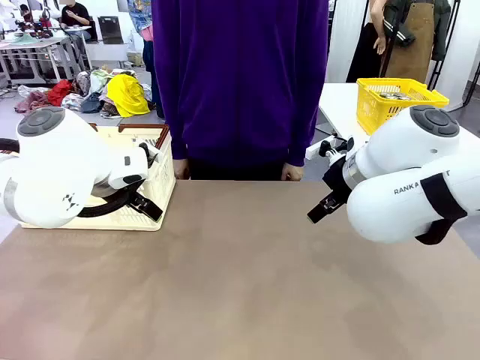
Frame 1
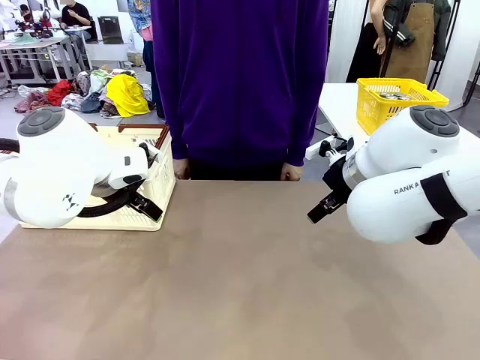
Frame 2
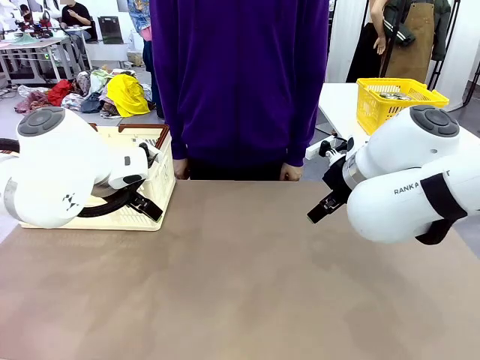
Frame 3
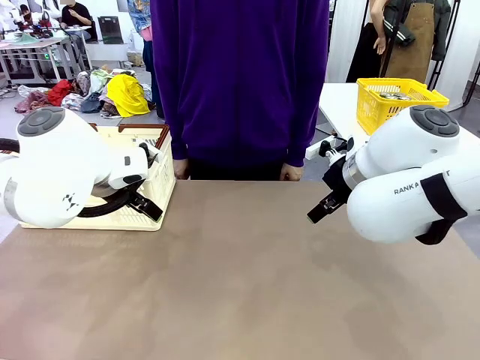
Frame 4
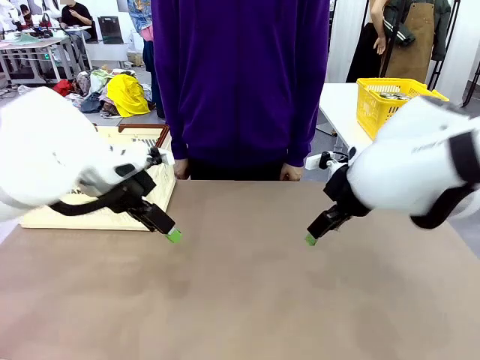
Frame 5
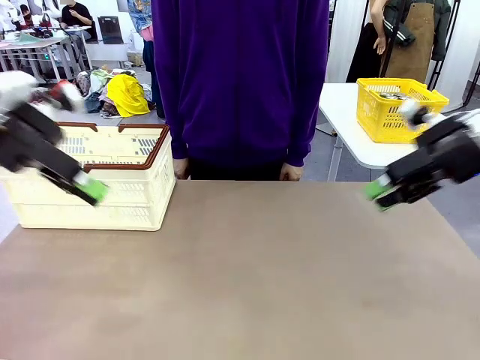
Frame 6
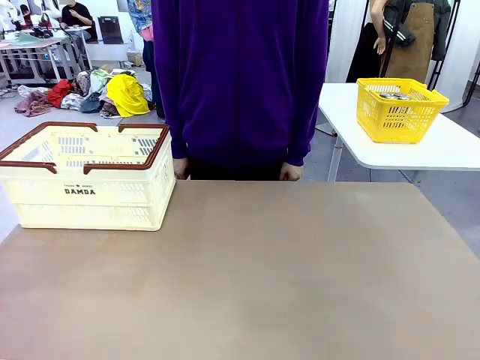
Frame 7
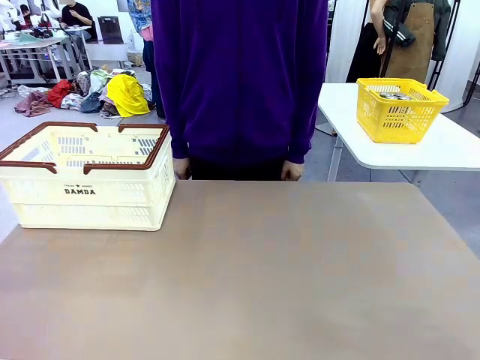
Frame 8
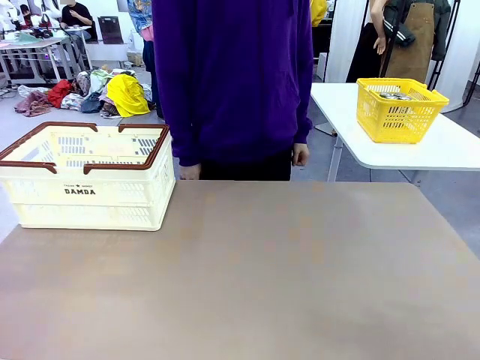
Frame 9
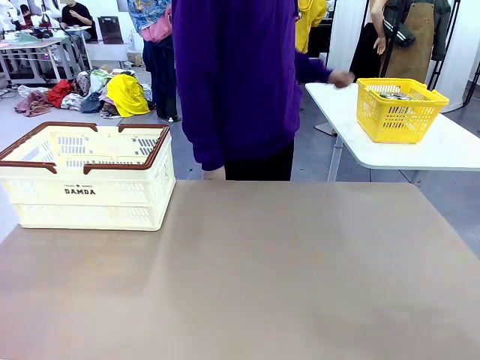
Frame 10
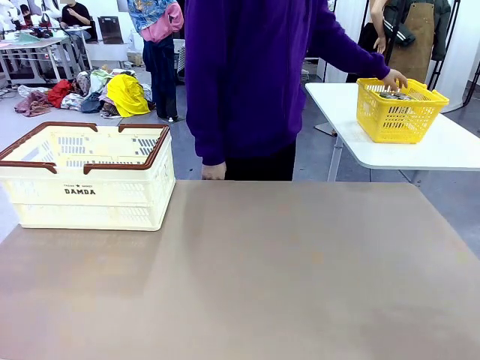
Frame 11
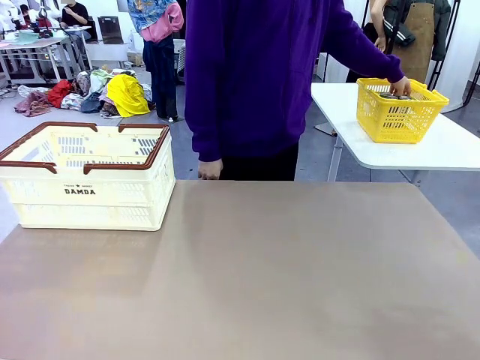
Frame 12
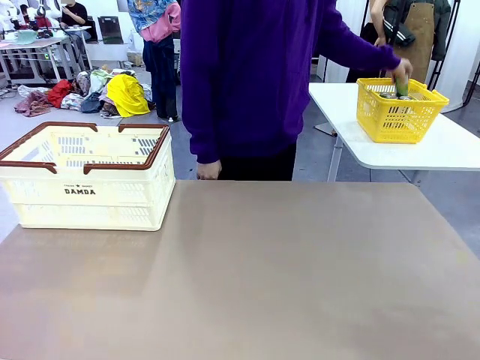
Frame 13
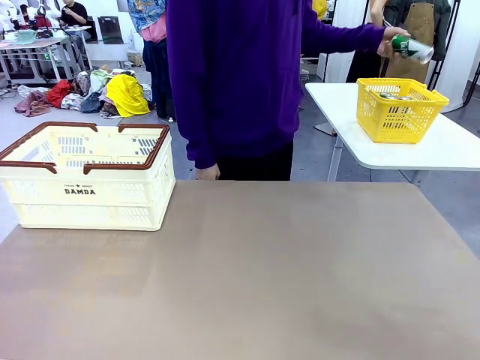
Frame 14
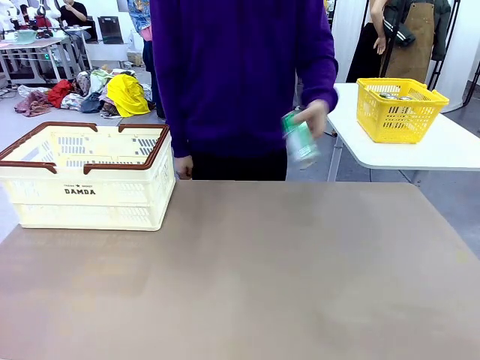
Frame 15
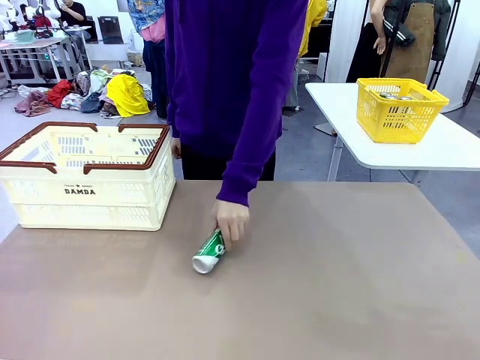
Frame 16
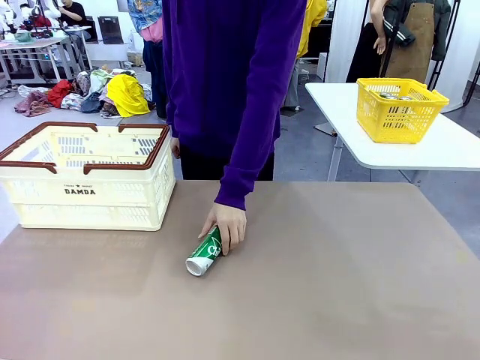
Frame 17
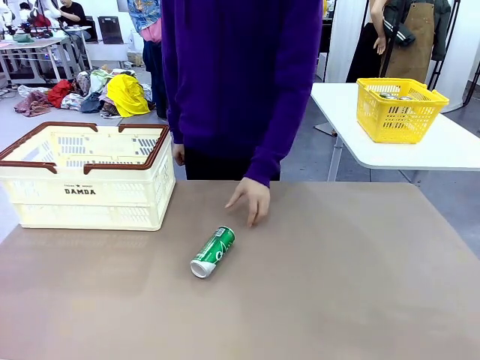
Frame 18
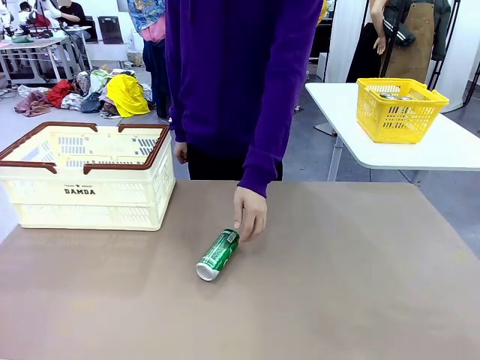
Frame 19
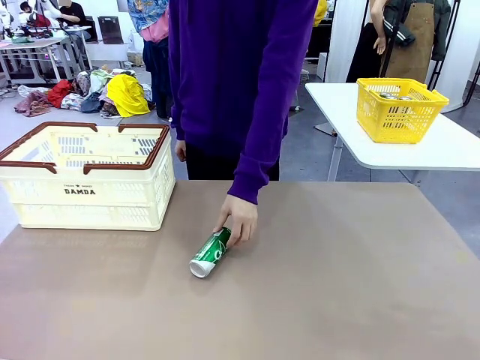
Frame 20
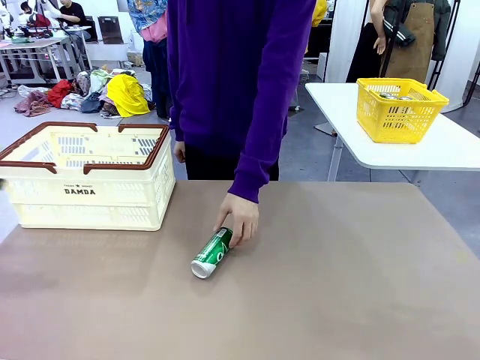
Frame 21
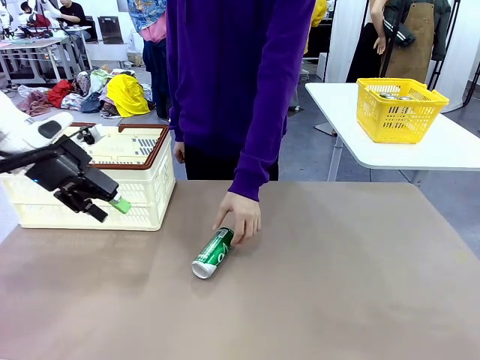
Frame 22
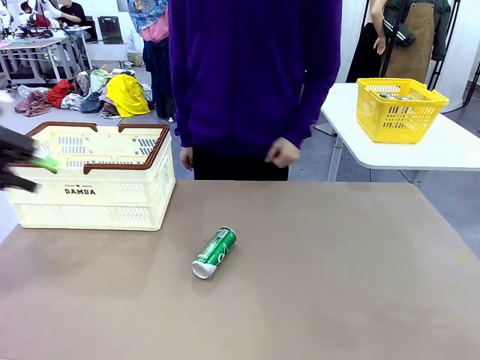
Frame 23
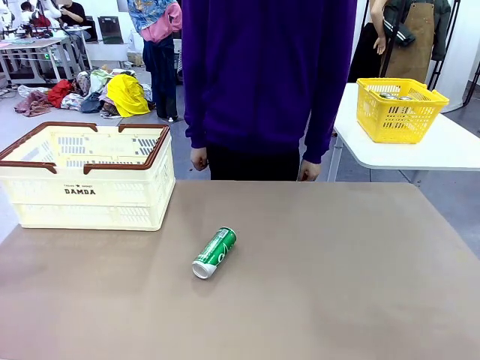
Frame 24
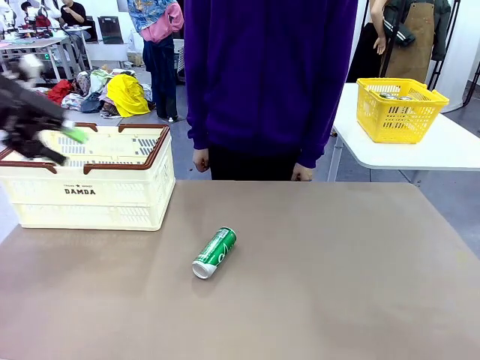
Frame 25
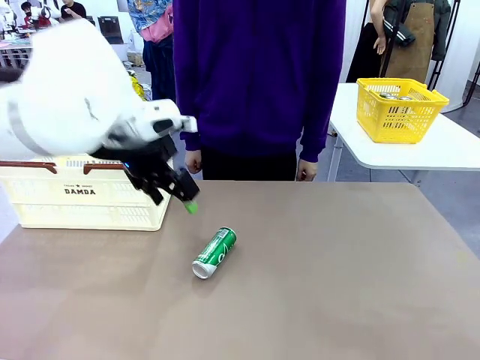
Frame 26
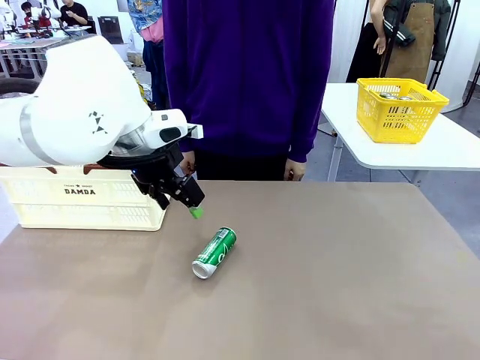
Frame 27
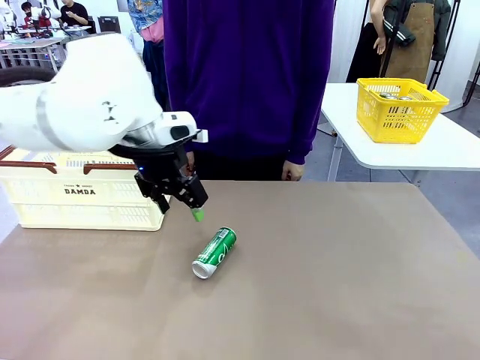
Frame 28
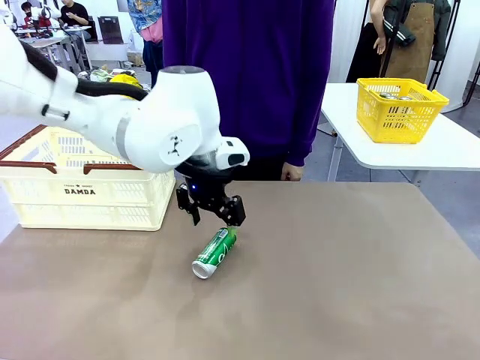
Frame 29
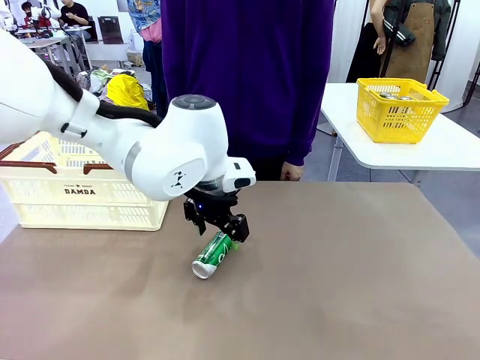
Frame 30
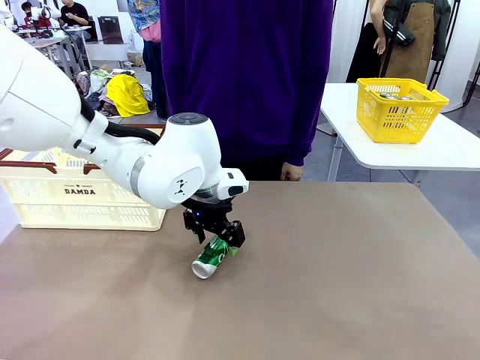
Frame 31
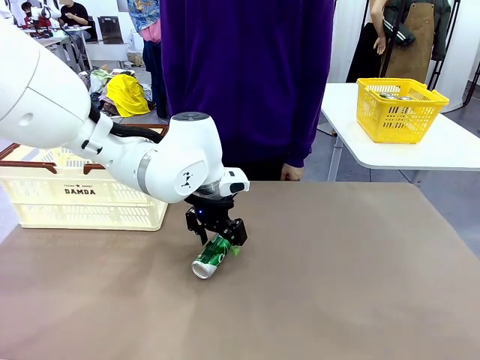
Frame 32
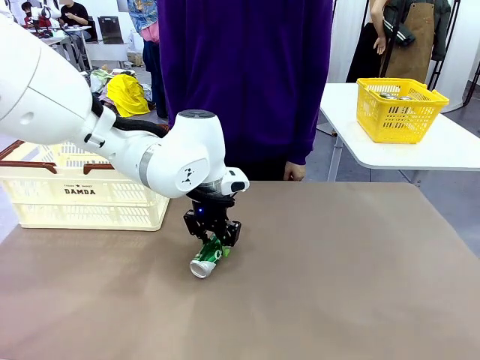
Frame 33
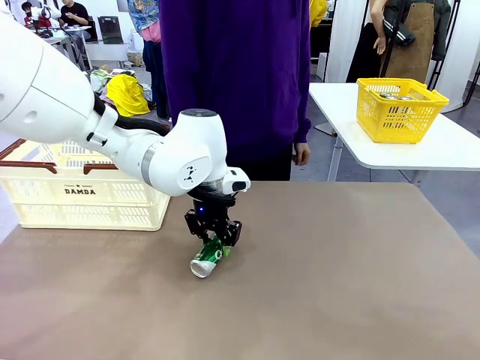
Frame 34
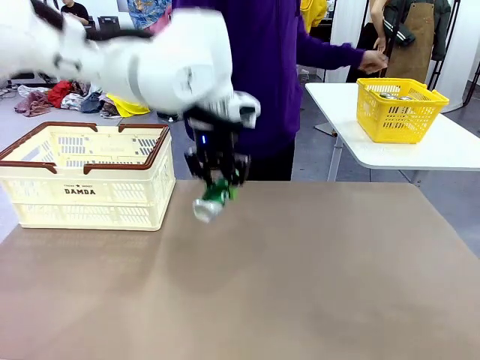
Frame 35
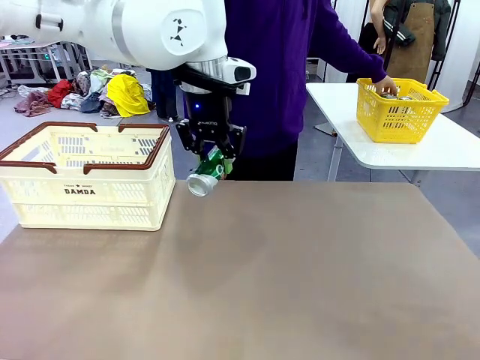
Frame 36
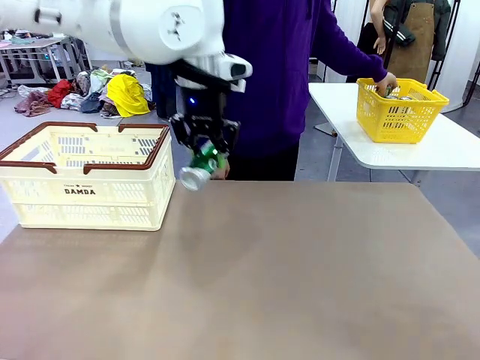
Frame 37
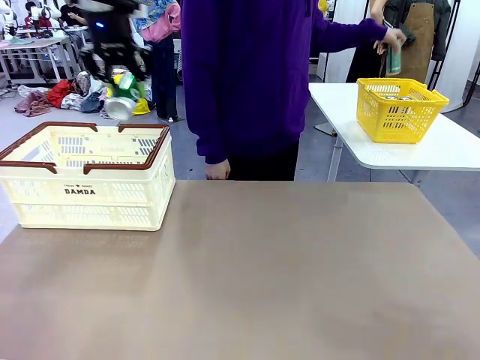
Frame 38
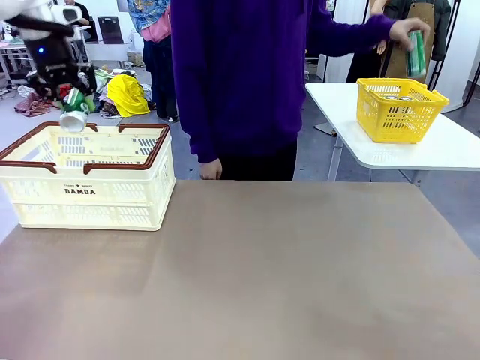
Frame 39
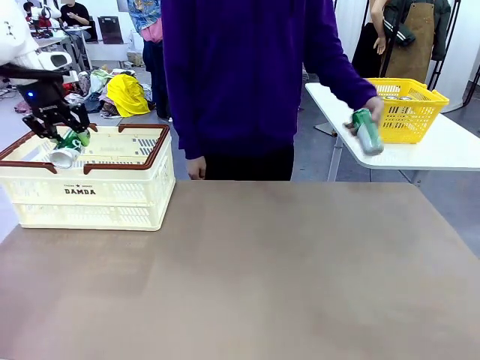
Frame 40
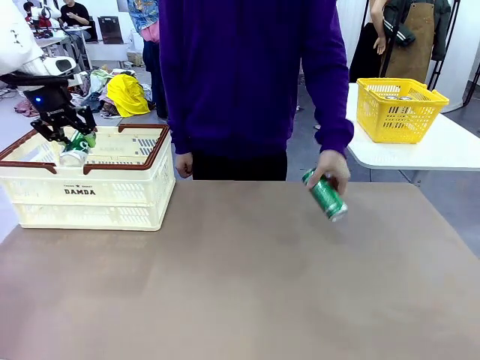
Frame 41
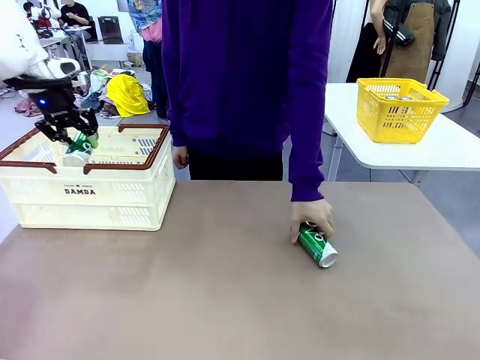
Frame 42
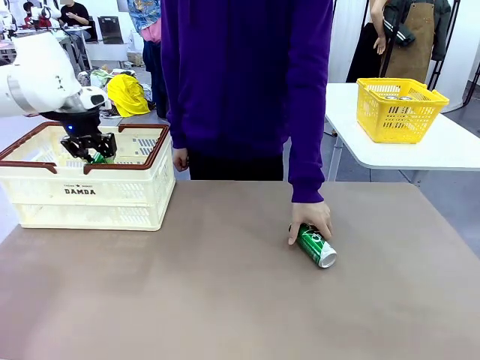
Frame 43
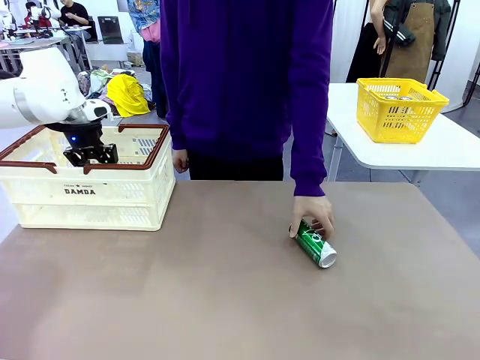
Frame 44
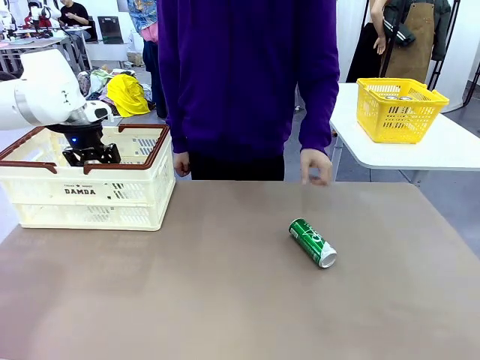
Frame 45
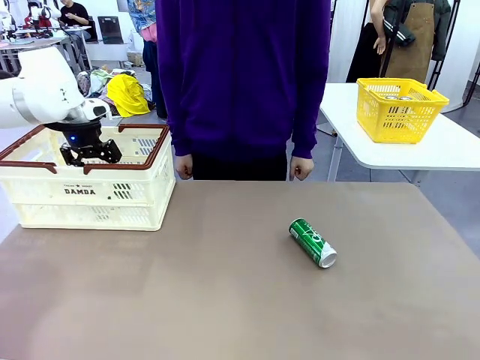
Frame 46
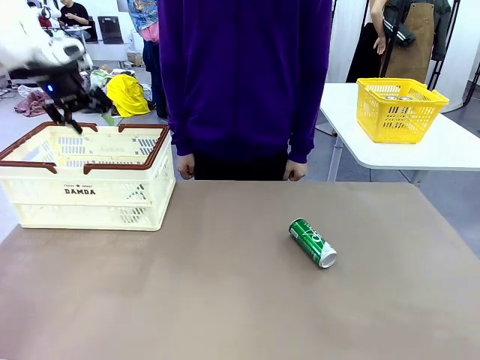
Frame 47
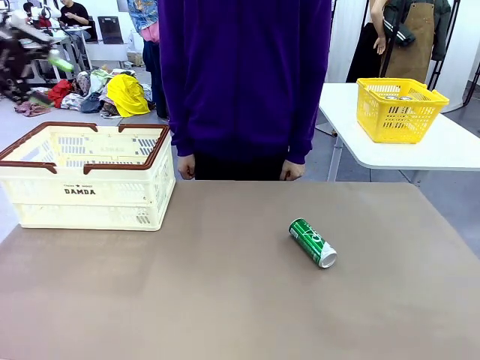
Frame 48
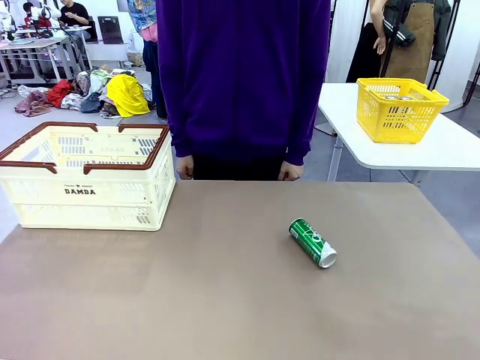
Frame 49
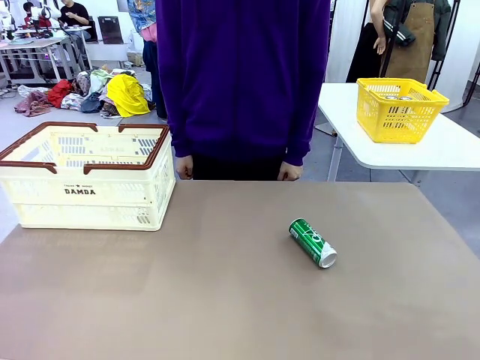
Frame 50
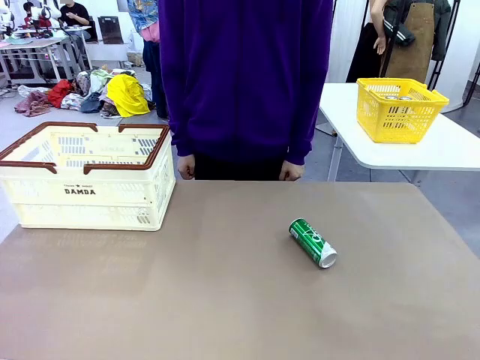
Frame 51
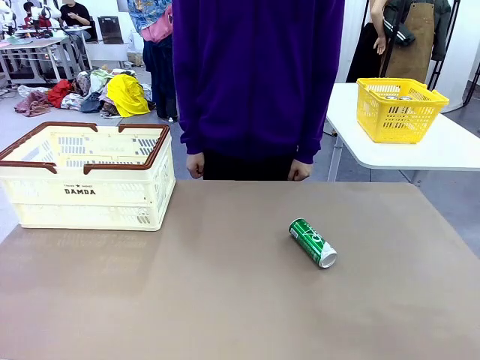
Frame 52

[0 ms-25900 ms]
Task: Place the drinks into the Shopping basket.
Robot: Pick up one drink and place it into the Shopping basket.
